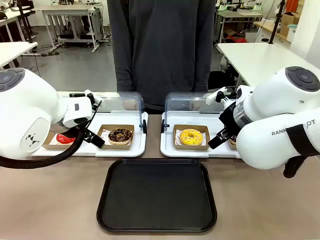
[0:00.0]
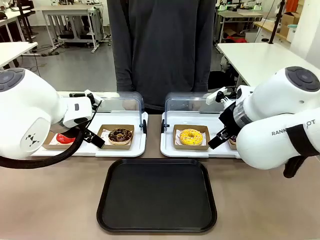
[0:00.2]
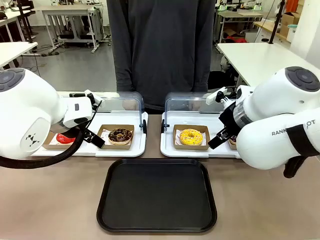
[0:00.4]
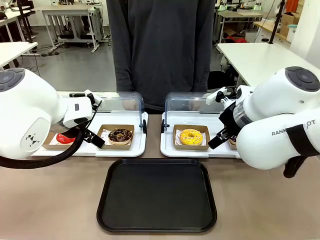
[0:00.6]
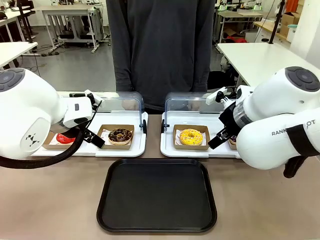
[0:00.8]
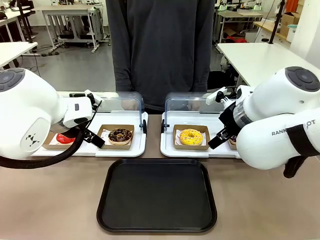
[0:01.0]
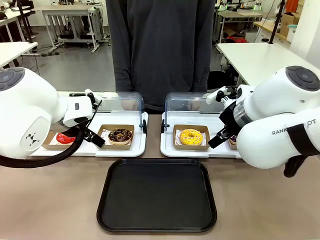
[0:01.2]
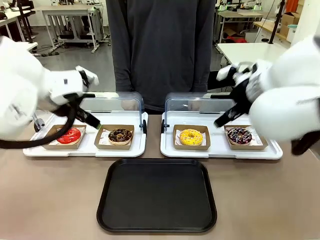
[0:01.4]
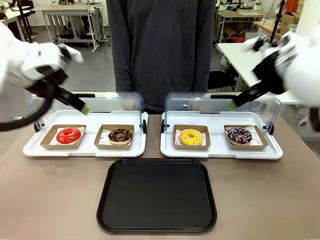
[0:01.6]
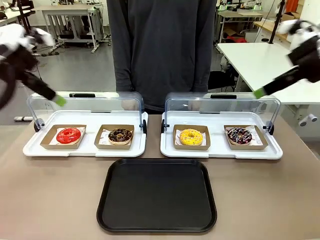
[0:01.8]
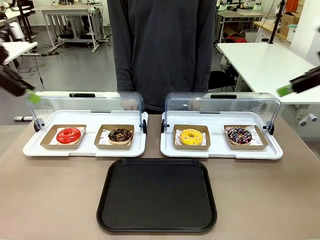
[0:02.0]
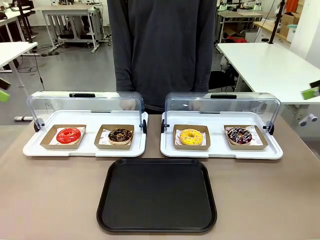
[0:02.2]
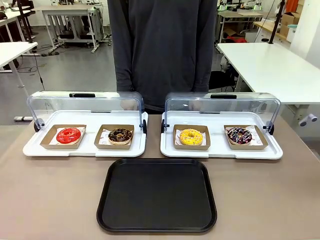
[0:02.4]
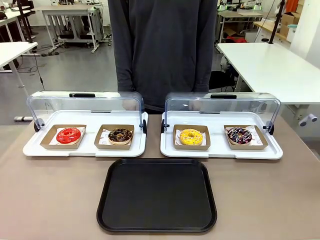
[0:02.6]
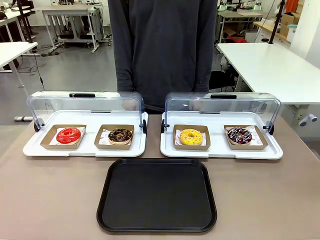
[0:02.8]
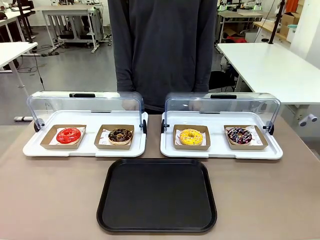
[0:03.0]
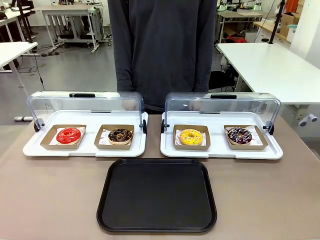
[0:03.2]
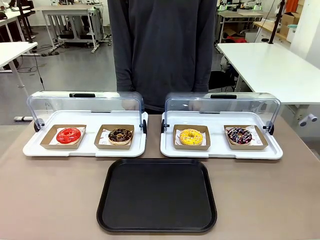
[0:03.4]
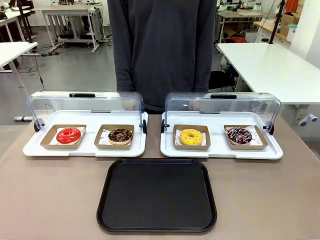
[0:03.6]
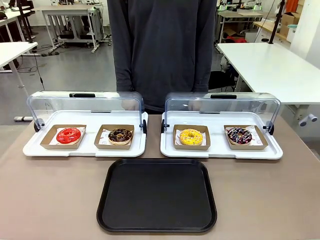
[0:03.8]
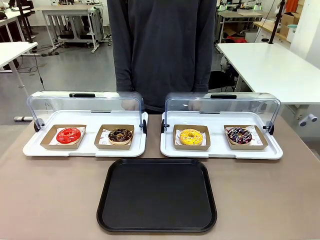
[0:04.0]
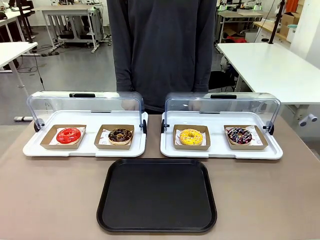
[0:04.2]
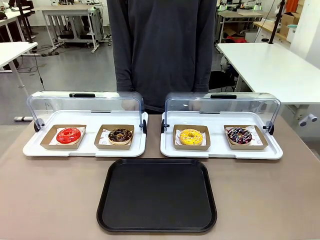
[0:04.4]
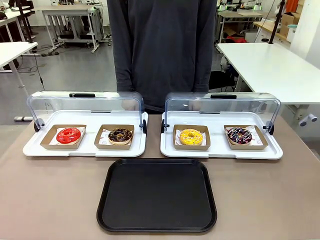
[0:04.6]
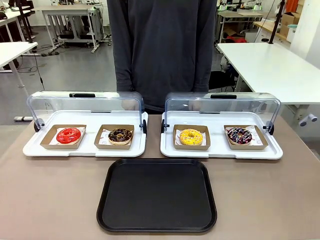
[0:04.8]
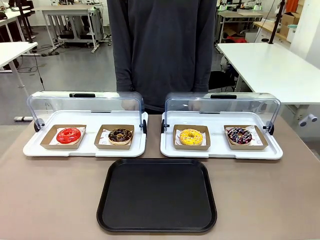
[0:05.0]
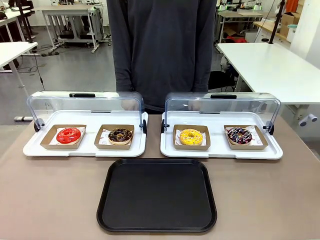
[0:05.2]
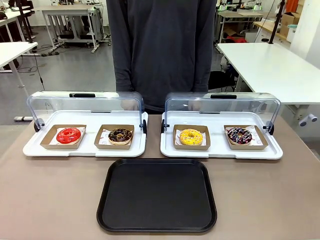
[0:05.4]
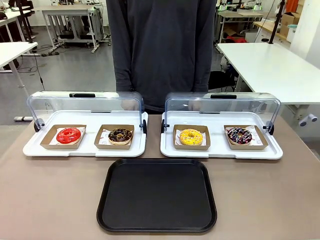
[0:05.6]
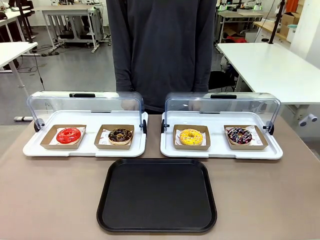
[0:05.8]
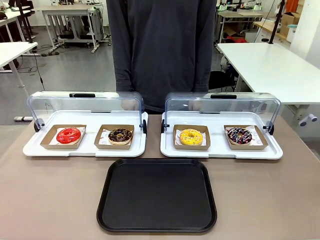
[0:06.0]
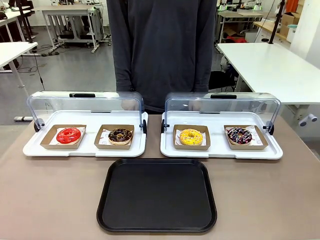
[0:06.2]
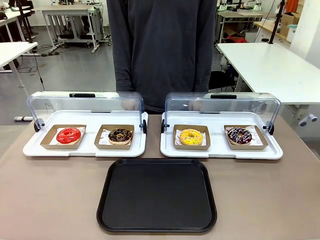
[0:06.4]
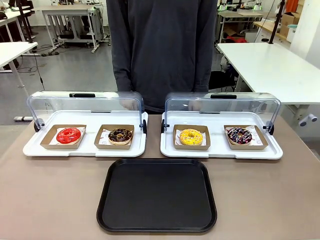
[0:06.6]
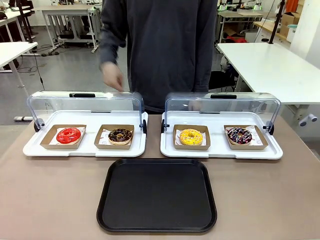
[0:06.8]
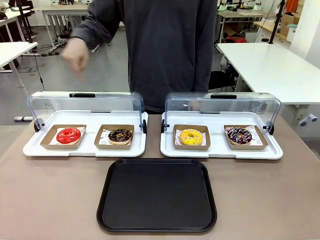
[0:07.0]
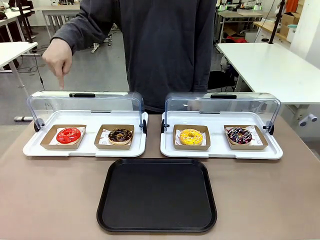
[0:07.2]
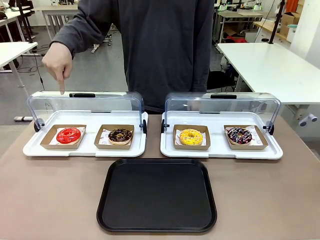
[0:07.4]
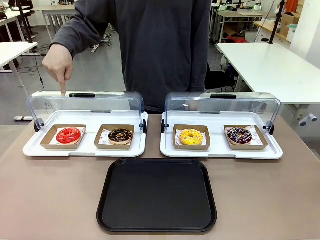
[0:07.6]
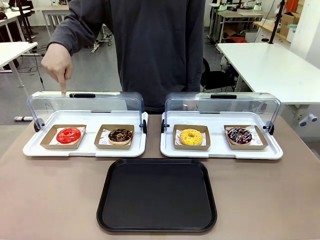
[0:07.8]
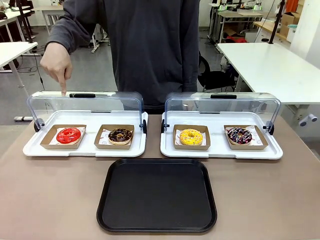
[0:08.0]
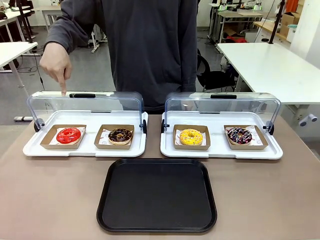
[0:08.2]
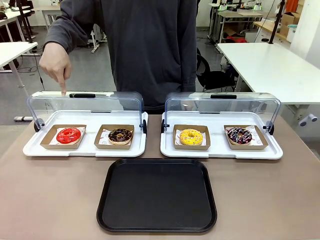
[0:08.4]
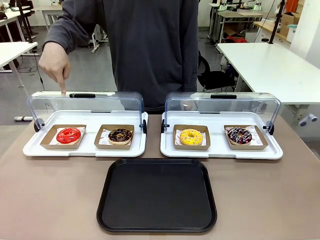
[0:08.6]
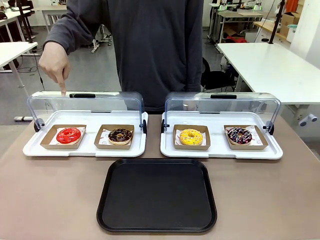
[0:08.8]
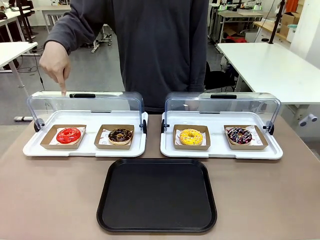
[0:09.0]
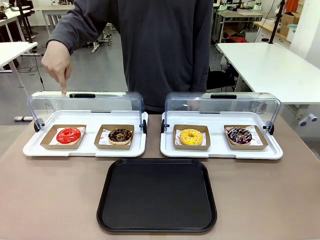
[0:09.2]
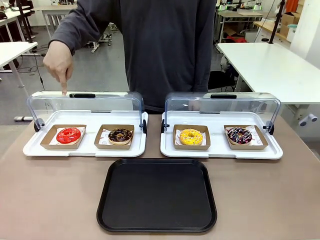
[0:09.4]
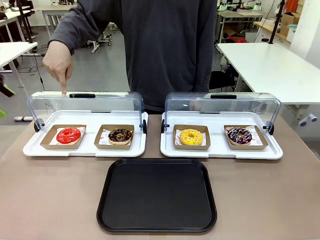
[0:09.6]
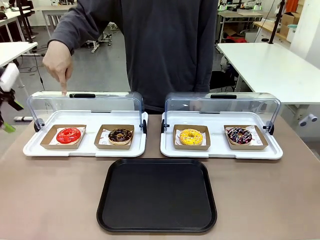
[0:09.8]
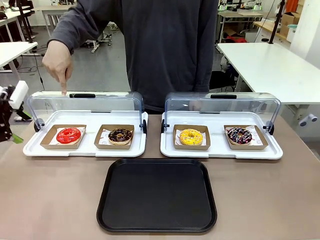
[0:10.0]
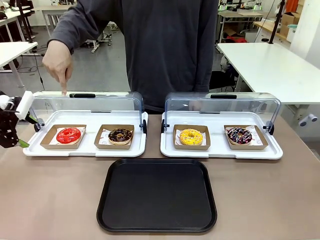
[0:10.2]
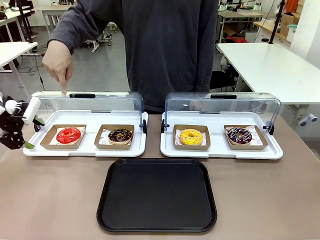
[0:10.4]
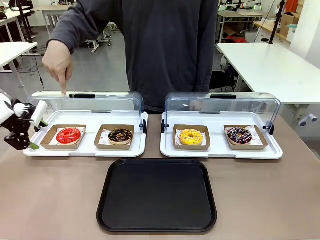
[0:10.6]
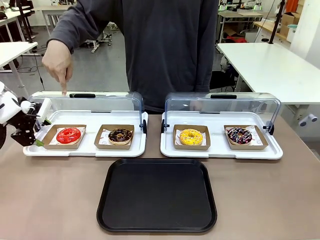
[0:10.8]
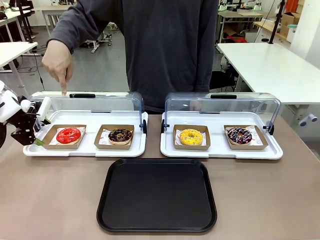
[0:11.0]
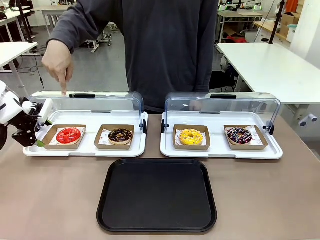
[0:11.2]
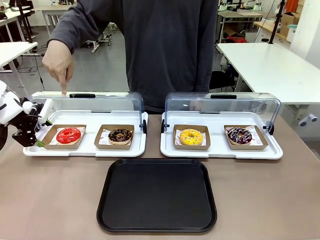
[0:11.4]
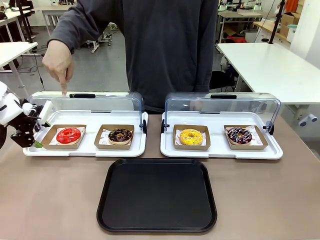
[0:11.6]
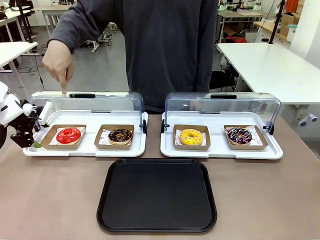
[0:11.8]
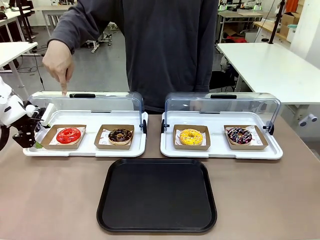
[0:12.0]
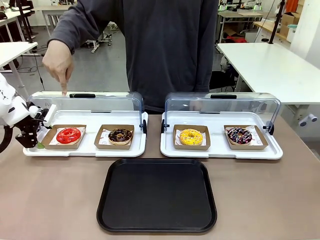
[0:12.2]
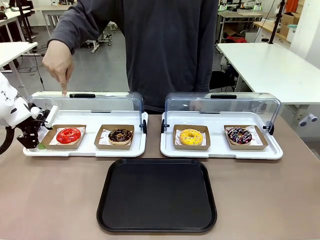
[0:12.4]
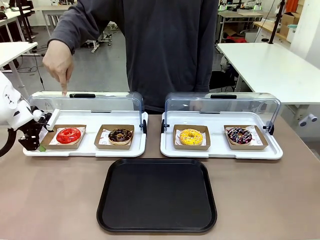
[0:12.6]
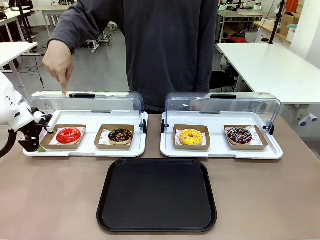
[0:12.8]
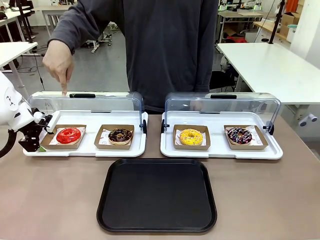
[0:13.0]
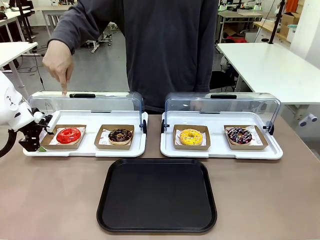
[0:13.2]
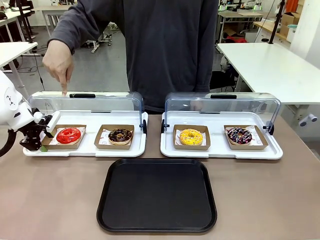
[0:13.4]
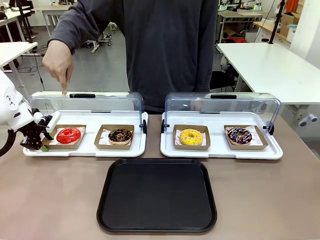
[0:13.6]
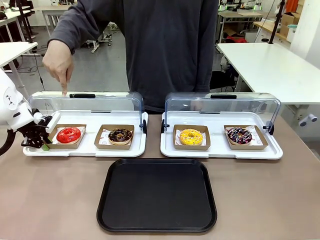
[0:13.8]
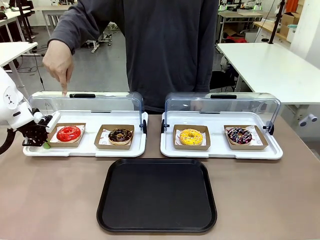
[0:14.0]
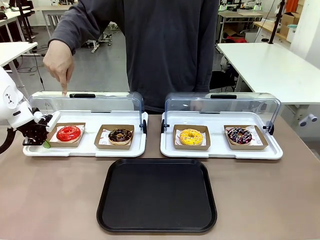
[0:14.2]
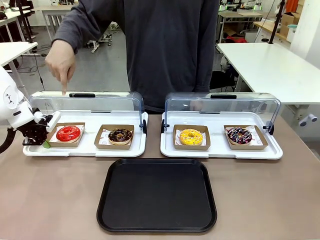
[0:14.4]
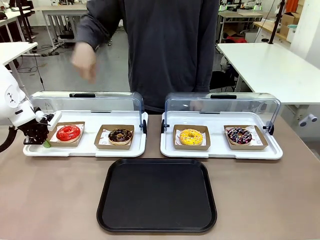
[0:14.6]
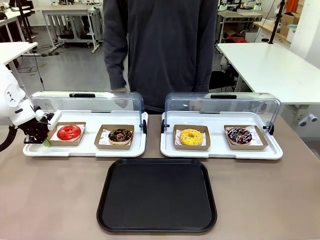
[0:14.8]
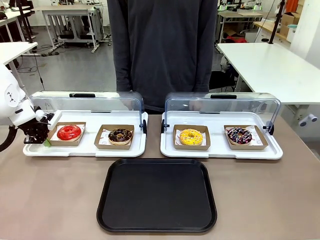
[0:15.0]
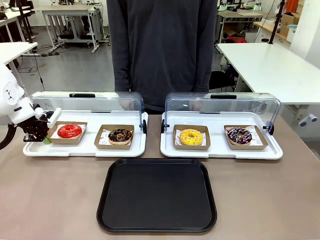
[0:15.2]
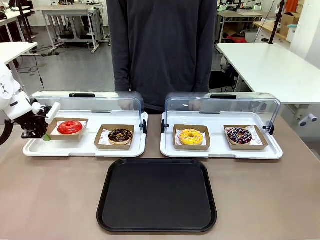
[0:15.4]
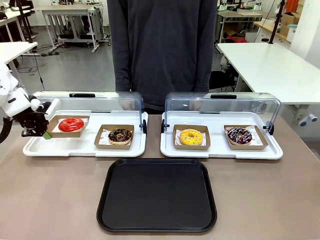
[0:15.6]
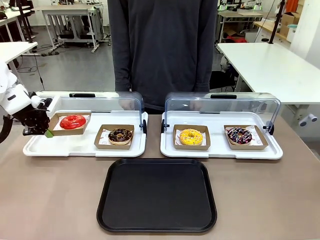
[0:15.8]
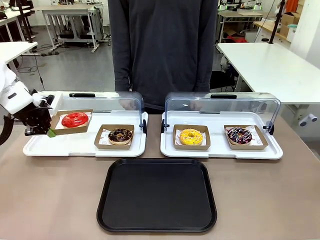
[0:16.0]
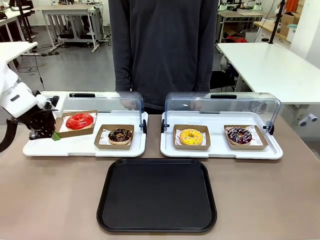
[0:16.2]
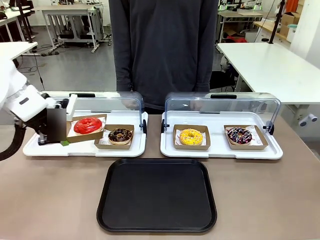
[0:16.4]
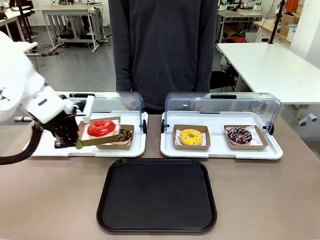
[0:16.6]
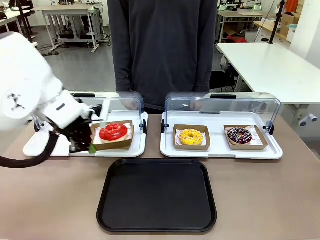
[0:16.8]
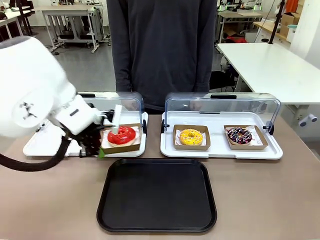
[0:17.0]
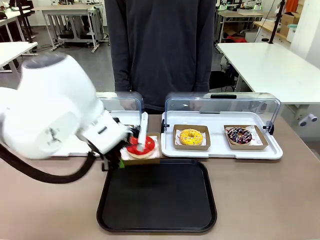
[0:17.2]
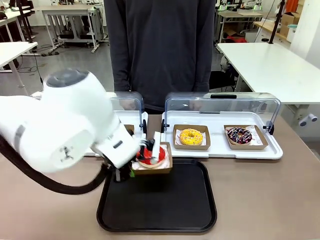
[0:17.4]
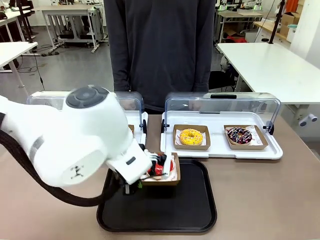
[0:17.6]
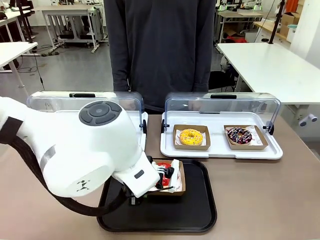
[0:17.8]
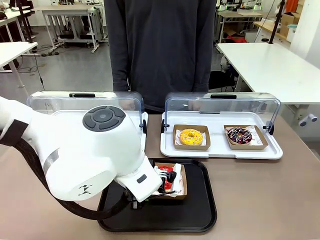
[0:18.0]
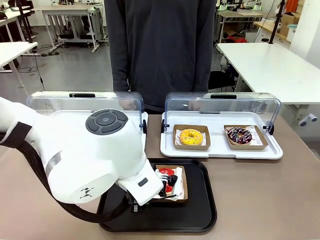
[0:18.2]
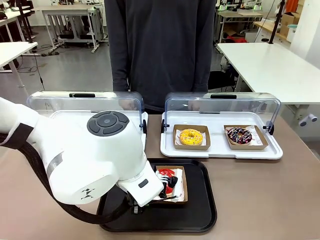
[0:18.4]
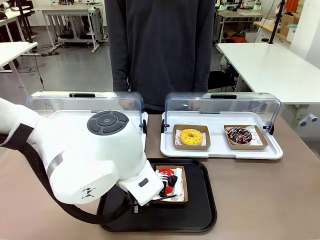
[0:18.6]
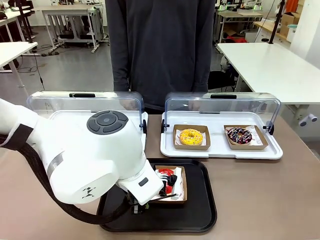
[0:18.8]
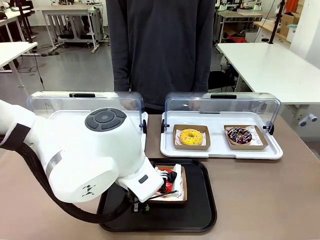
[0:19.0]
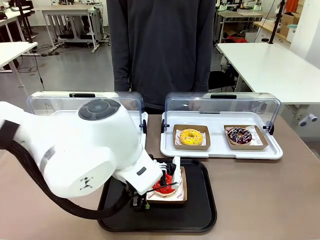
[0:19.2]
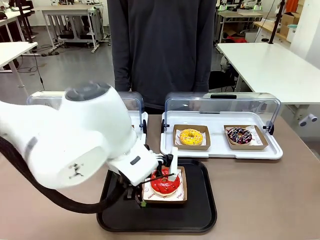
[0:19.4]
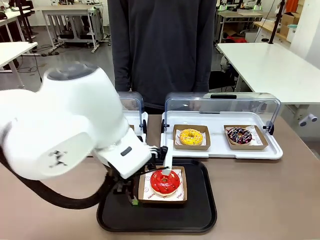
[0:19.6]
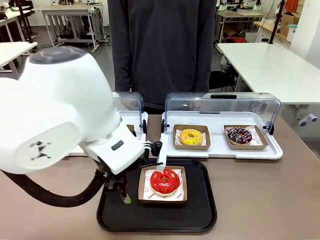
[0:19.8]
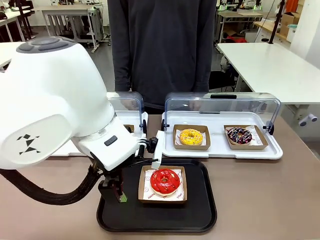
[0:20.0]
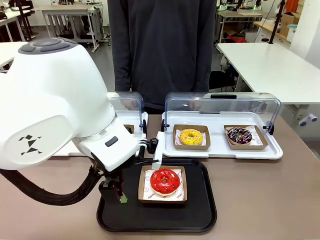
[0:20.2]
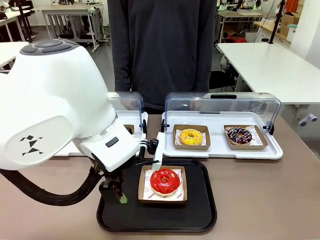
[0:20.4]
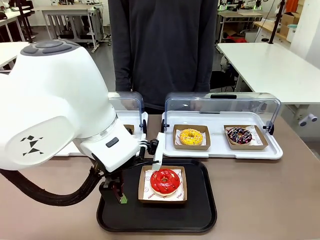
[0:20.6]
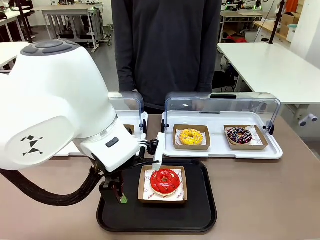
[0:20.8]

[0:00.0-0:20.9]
Task: Move the first donut from the left to the tray.
Robot: Pick up the Paper togo box containing the Donut indicated by the person and place it on the Handle tray.
Person: Points to the first donut from the left from the robot’s perspective.
